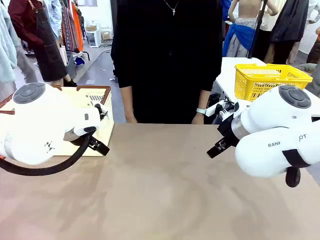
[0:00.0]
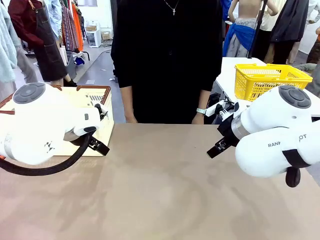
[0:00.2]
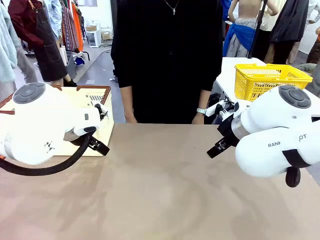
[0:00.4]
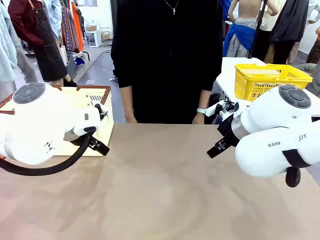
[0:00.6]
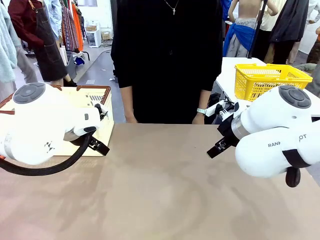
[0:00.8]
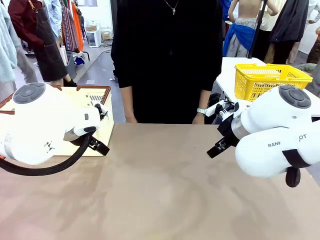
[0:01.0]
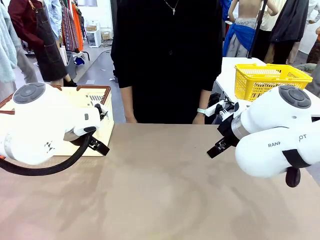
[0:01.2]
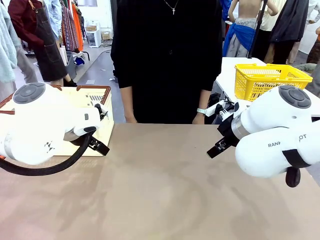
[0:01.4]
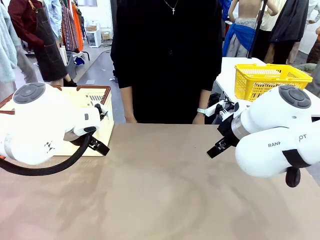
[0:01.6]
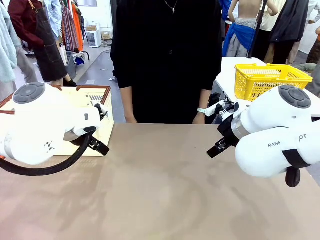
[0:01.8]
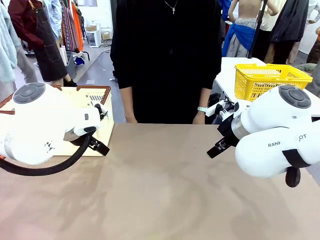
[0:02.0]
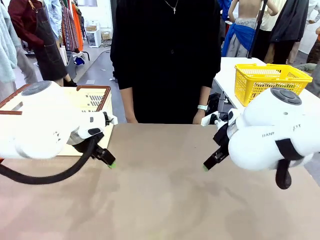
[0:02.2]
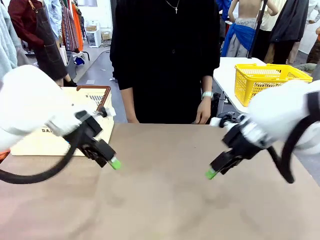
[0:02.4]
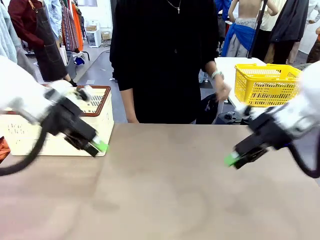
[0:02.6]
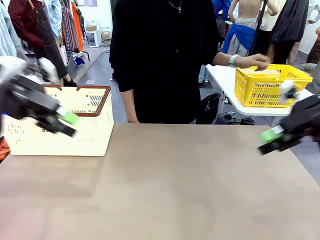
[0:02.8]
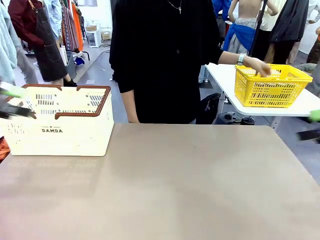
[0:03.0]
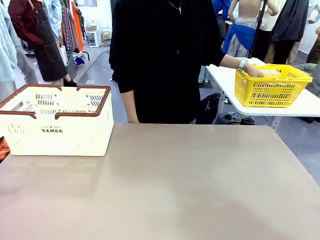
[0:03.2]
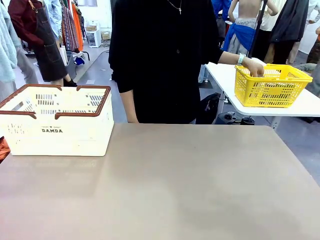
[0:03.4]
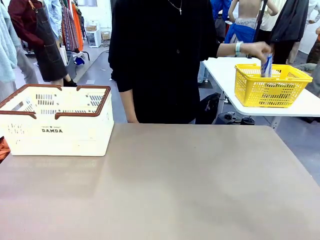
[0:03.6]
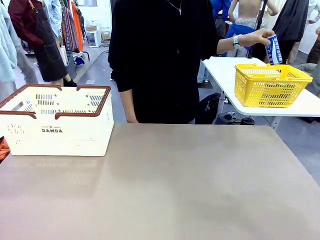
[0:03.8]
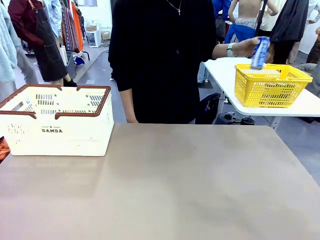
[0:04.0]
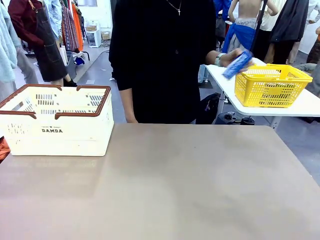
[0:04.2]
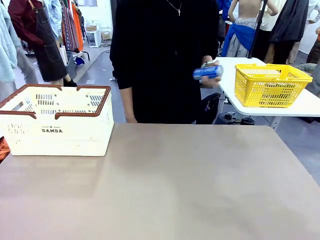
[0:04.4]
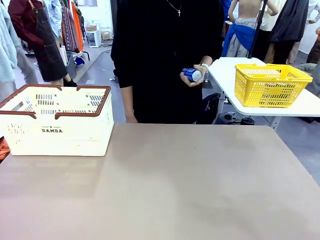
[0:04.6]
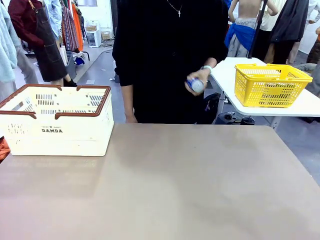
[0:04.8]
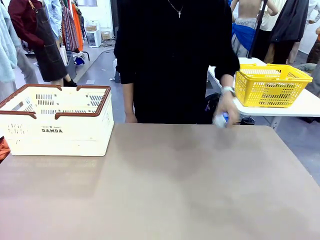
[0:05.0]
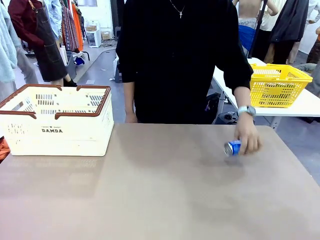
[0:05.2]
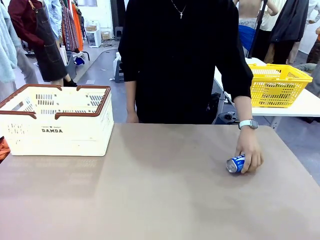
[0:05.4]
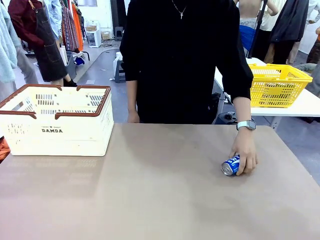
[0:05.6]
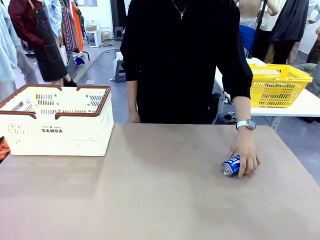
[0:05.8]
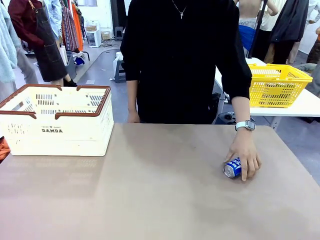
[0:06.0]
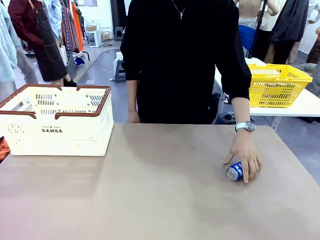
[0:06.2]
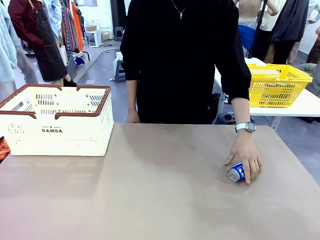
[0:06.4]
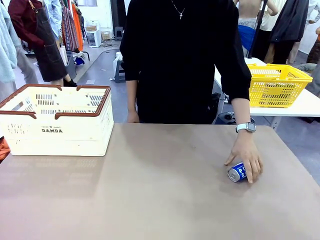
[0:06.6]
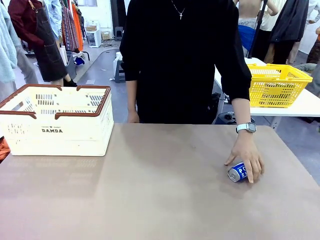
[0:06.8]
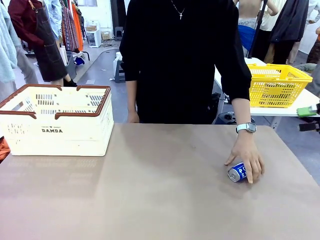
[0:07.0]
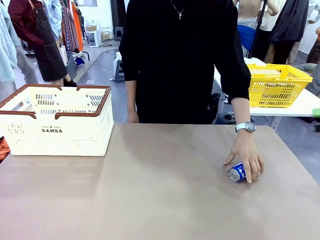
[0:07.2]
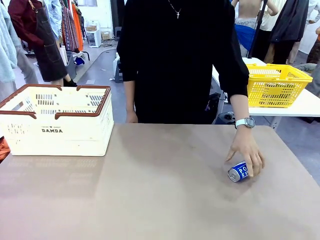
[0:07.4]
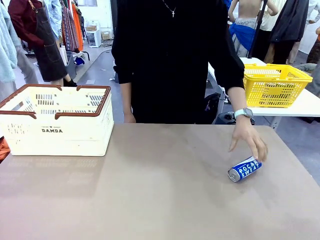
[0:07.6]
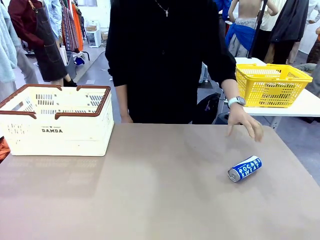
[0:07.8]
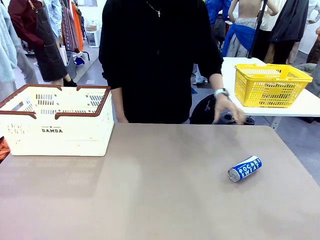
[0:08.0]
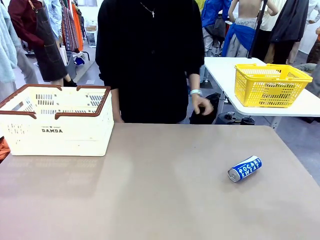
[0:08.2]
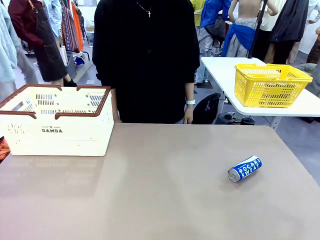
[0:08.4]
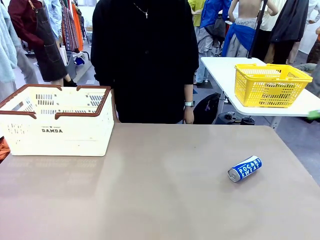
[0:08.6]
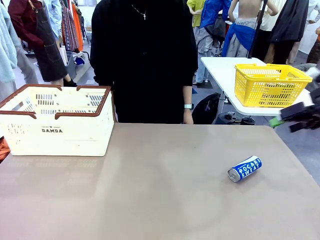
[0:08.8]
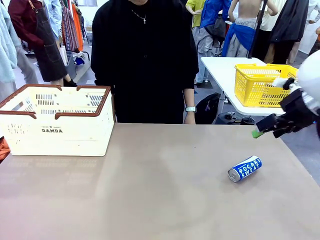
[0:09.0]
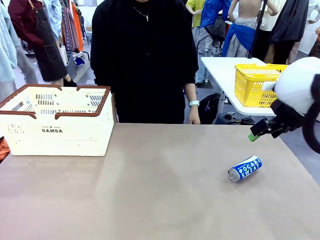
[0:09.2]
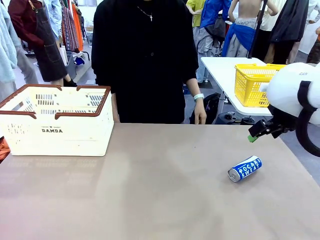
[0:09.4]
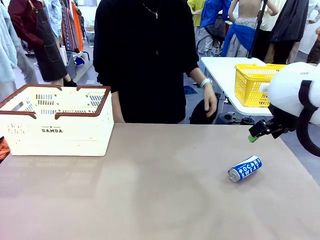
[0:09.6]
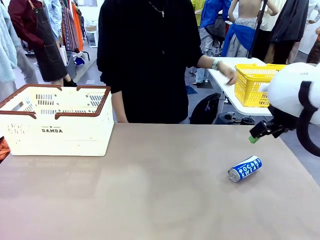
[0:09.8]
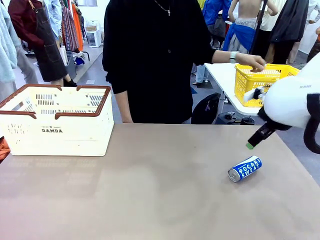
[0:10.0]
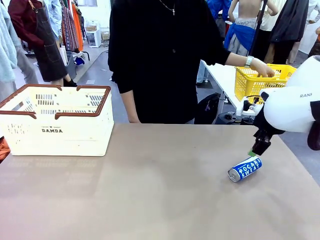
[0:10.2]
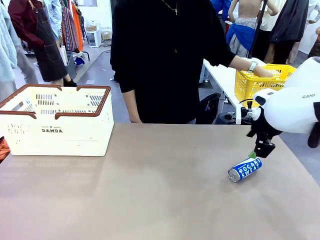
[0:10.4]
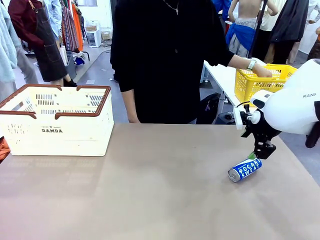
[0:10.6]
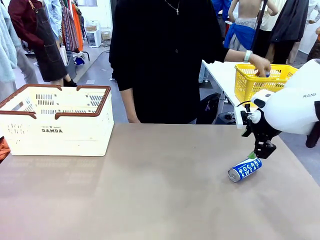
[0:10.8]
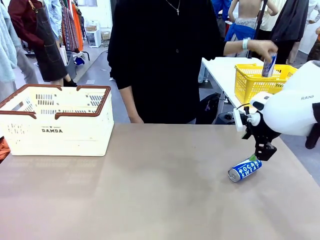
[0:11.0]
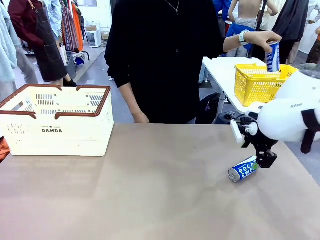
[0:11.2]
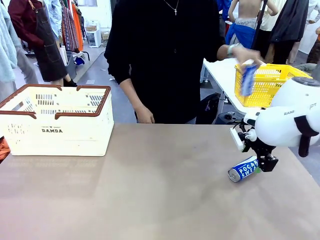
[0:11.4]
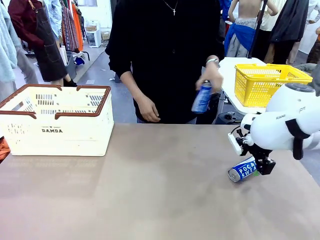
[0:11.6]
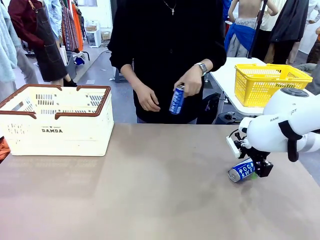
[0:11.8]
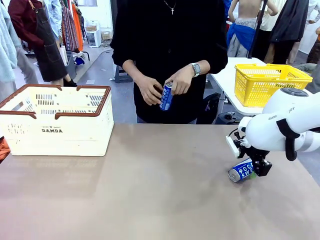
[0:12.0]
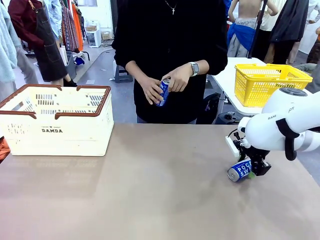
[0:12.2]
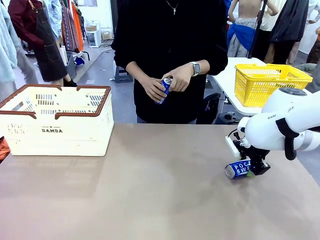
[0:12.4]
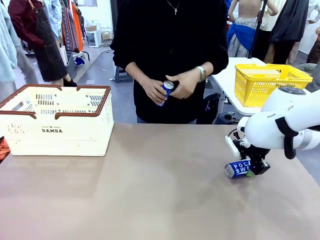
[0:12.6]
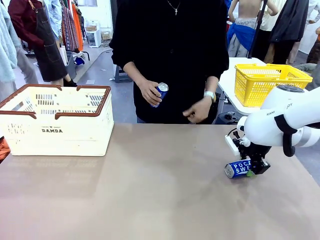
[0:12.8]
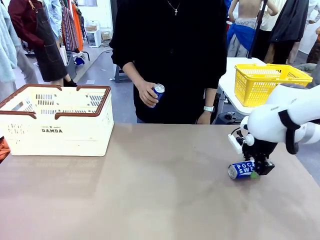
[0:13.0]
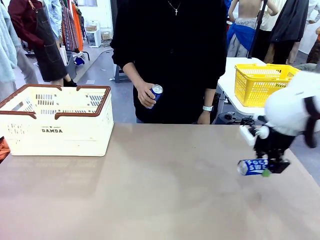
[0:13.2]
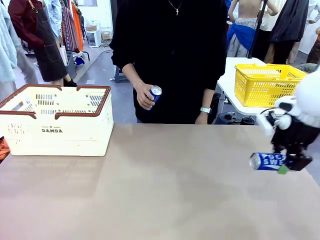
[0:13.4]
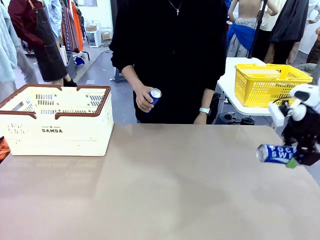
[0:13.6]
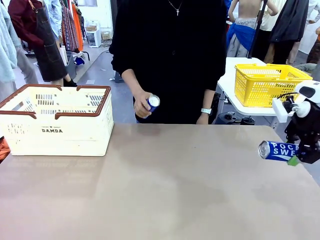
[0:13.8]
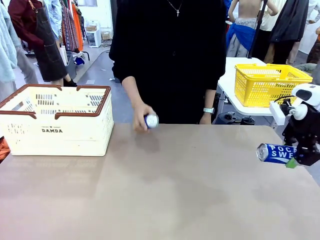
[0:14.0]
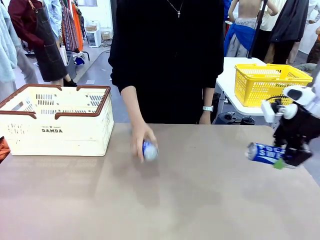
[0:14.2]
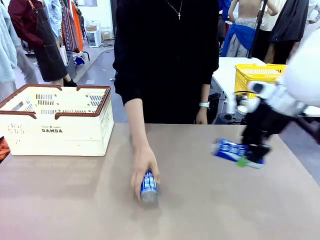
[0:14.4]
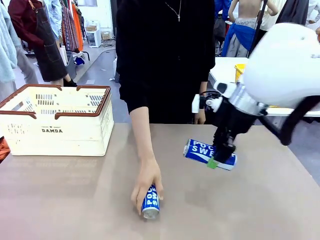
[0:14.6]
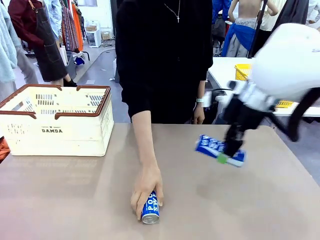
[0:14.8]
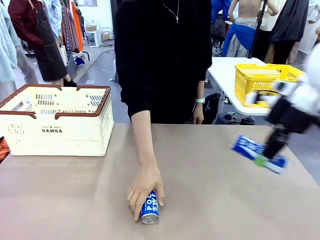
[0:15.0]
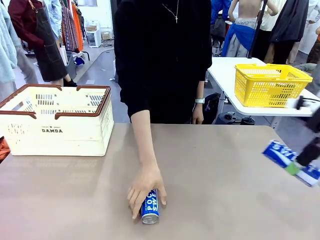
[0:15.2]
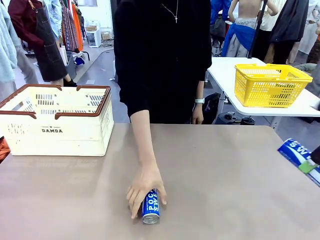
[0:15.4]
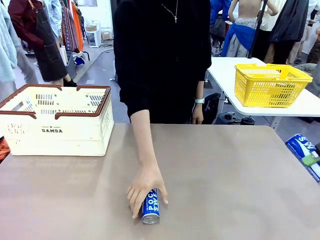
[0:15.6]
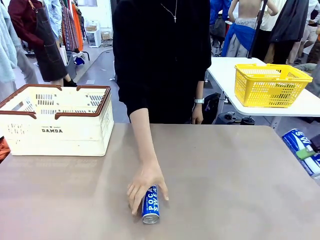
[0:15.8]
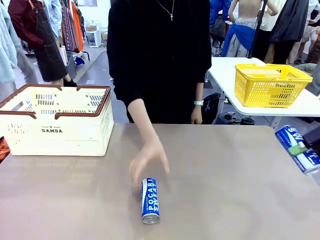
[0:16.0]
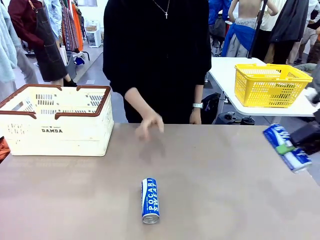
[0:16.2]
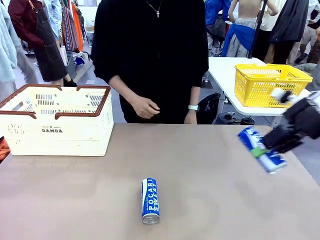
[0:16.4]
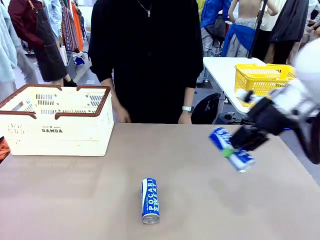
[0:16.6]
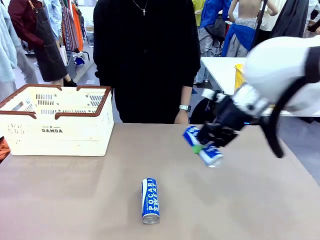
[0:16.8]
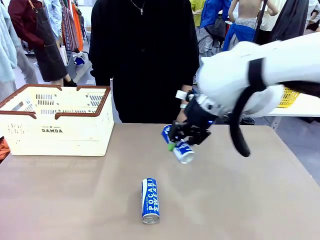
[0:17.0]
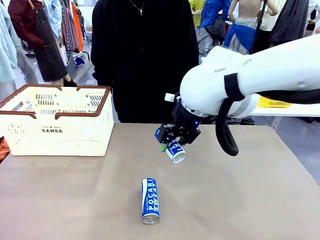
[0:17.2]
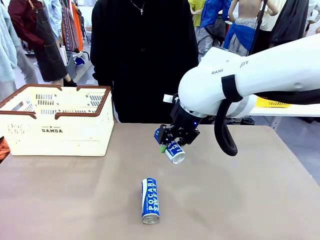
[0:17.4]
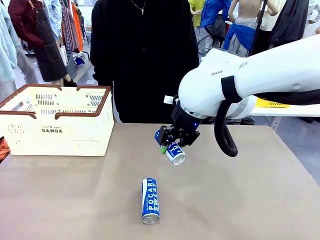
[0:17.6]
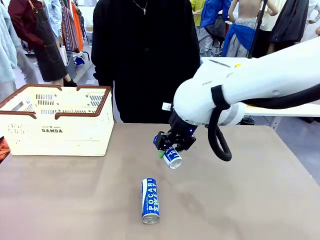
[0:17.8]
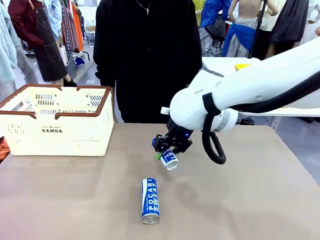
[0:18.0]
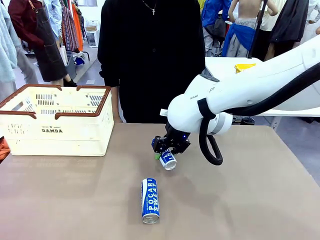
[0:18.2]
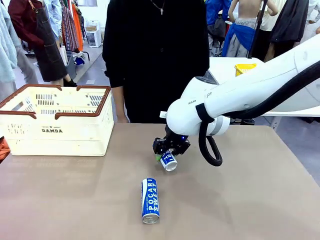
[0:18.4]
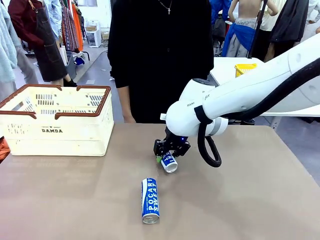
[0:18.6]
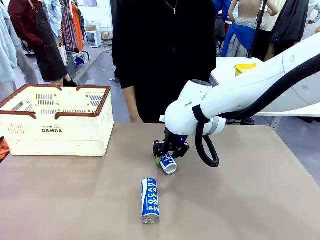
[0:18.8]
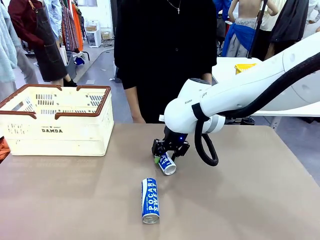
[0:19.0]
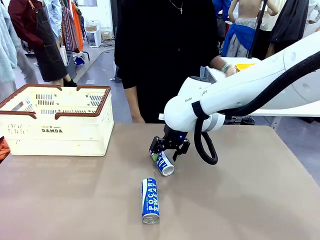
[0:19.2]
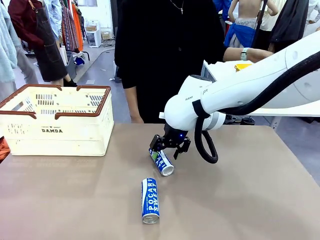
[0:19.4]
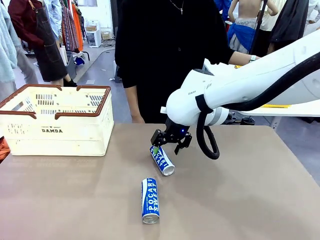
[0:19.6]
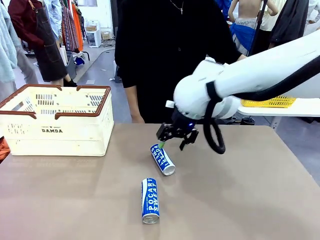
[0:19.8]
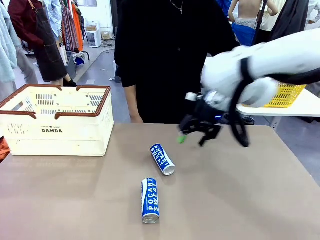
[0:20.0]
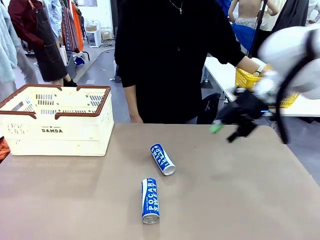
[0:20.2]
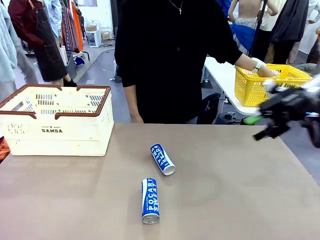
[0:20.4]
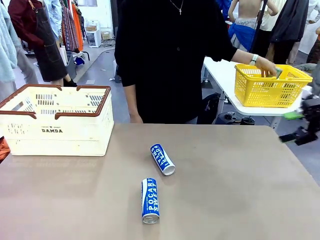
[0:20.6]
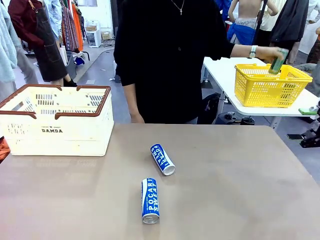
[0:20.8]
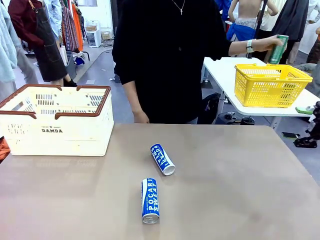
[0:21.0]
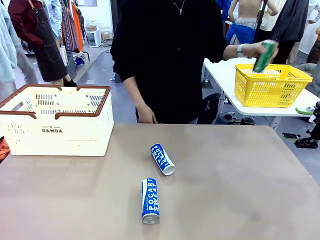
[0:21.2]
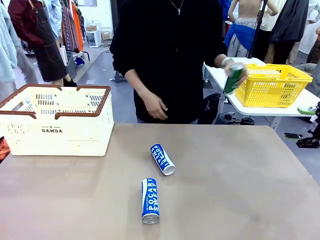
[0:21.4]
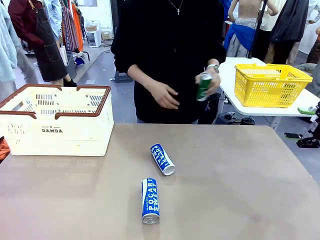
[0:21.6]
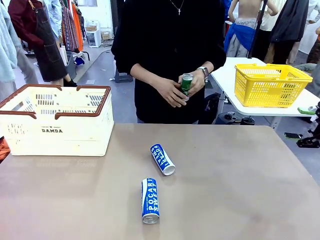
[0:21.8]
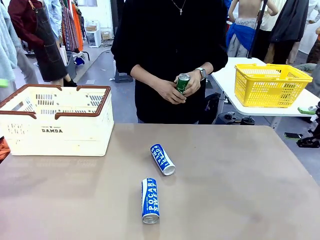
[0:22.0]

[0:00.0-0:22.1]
Task: Place the drinks into the Shopping basket.
Robot: Pick up one drink and place it into the Shopping basket.
